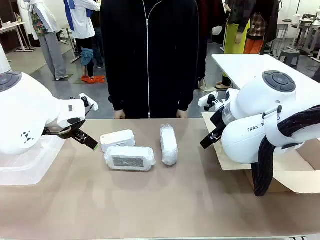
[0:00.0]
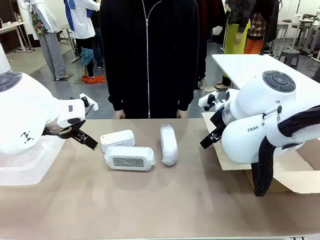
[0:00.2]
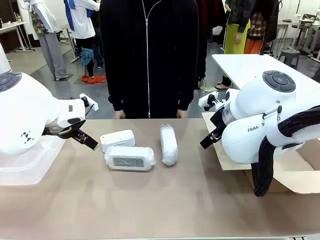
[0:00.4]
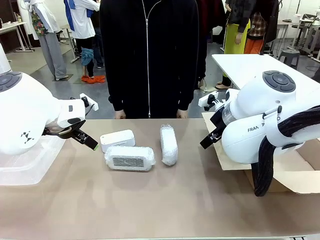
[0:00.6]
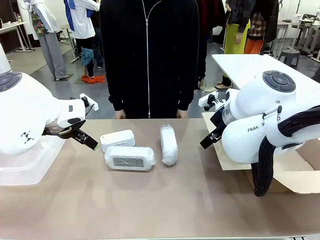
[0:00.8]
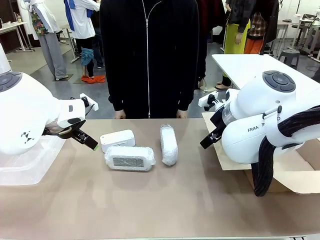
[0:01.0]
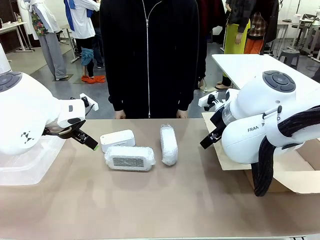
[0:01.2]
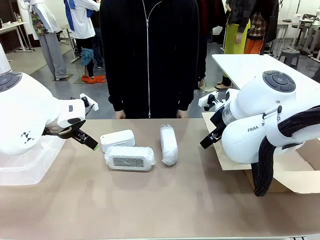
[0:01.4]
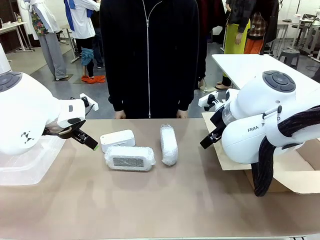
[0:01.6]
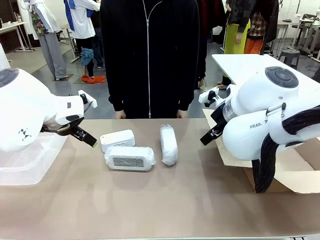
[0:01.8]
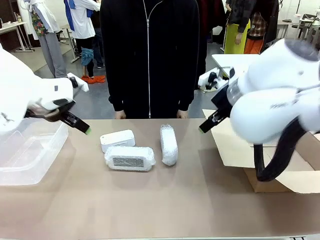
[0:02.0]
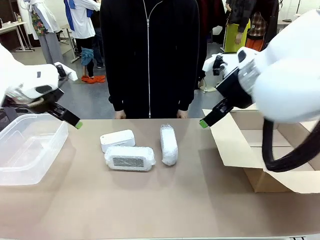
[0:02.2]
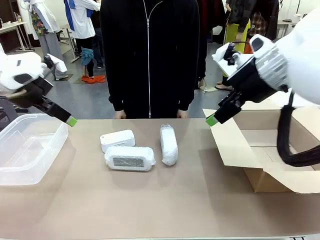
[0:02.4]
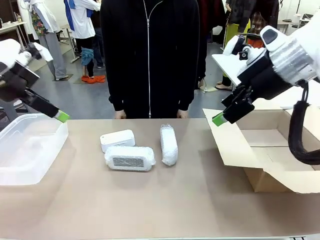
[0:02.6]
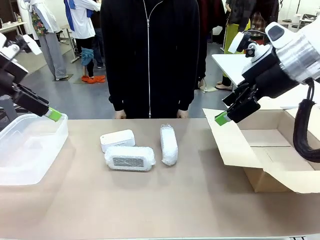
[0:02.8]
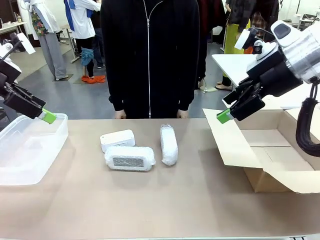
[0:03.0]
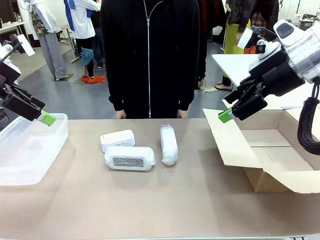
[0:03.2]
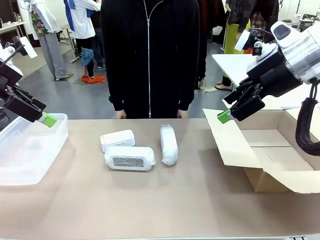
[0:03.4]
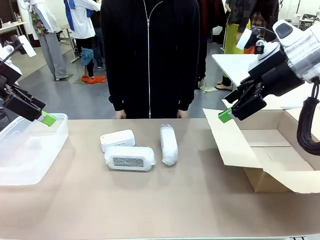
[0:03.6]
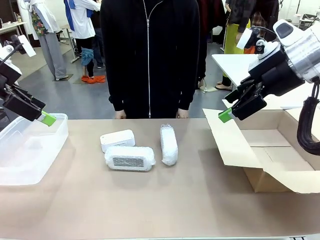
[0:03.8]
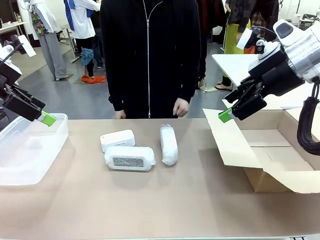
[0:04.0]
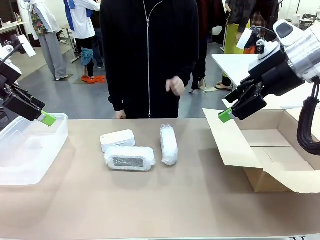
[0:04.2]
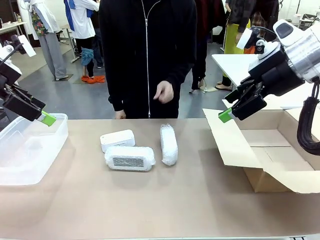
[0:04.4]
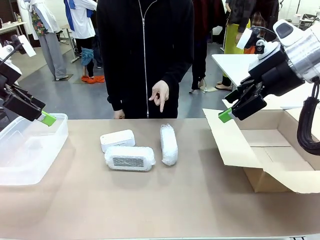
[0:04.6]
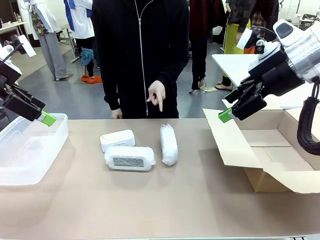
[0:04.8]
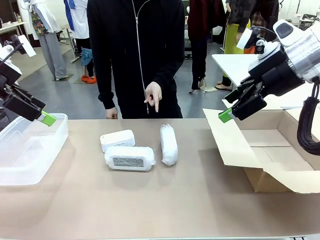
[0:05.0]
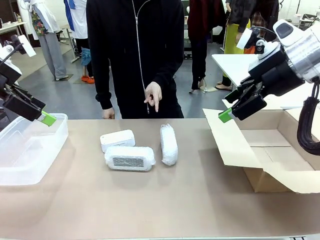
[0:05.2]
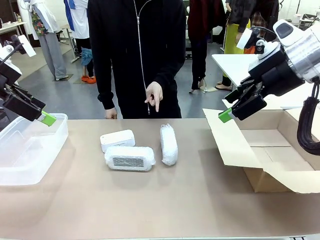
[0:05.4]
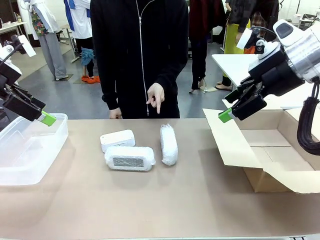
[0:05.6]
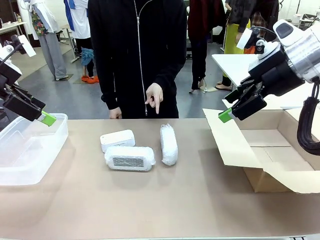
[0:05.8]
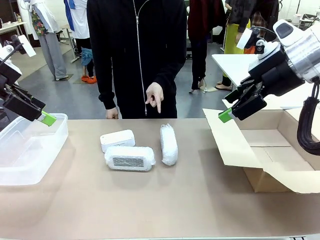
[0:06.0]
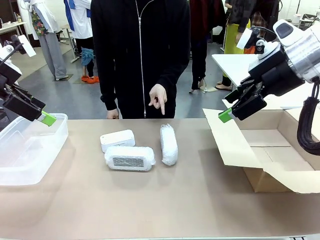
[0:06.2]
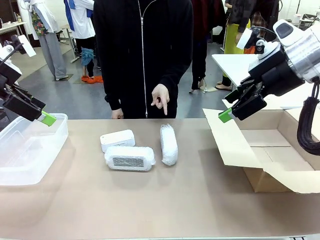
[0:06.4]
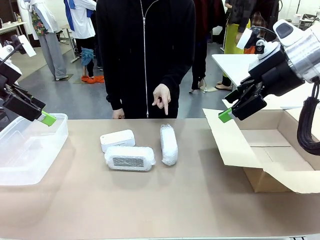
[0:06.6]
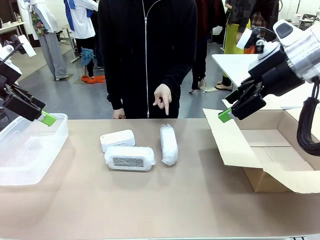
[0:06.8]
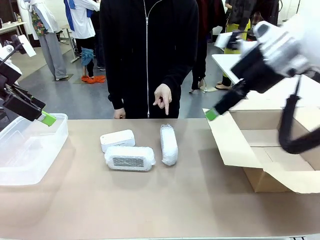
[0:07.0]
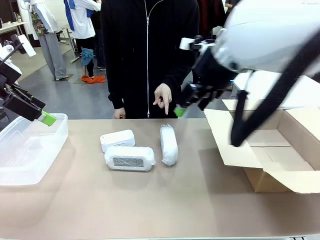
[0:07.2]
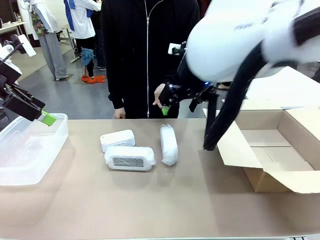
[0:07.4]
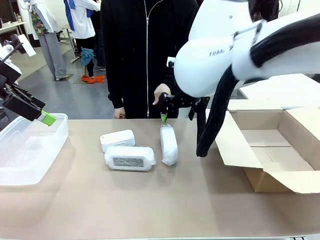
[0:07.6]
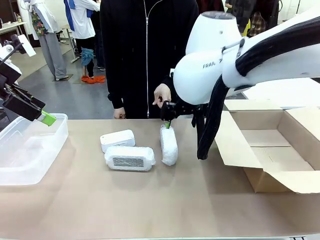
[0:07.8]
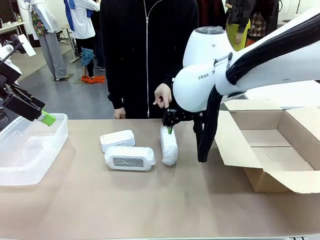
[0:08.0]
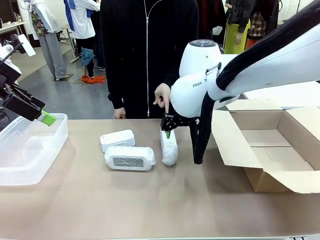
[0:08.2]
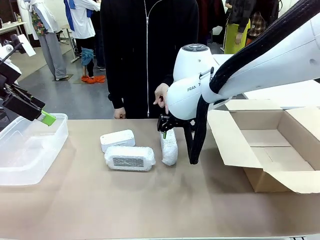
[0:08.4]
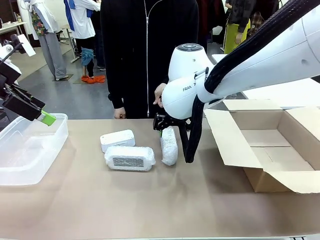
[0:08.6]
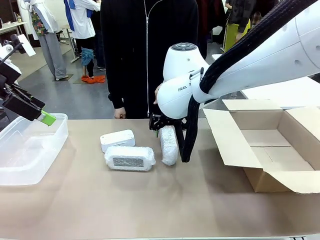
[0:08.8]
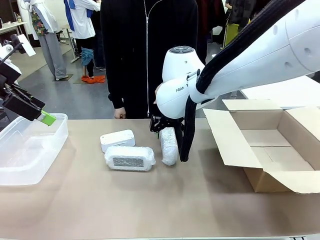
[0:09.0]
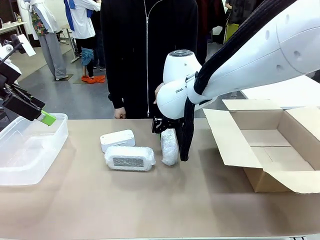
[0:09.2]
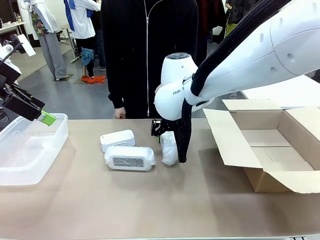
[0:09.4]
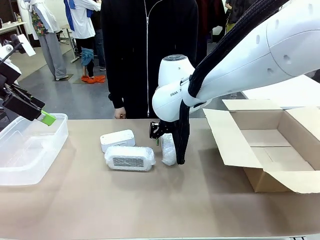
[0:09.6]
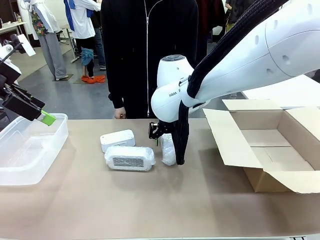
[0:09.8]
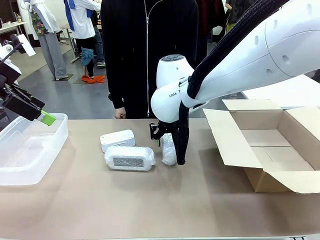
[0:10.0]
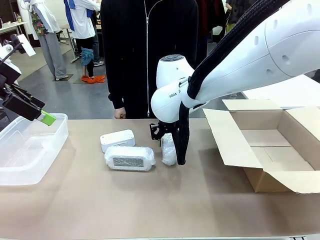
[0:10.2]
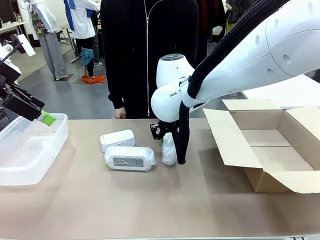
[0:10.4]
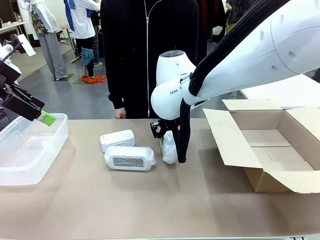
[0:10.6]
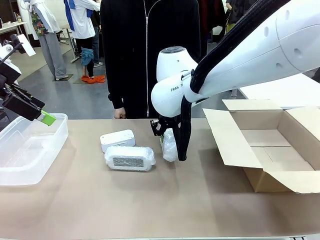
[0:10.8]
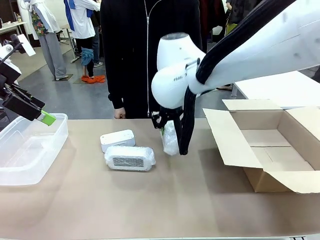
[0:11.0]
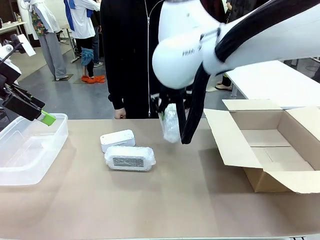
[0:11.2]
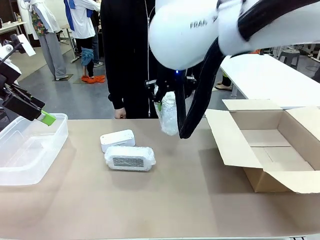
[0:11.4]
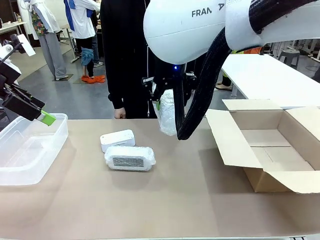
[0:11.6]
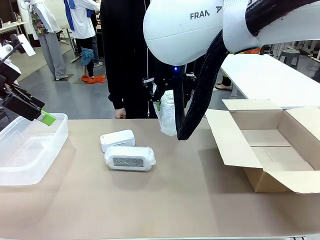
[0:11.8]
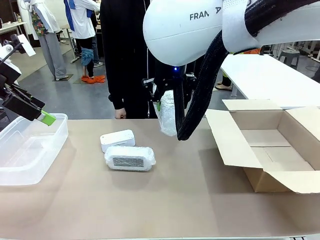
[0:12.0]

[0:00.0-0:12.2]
Task: Separate and place wrapped and unwrapped clocks.
Robot: Pick up the Digital clock indicated by the person.

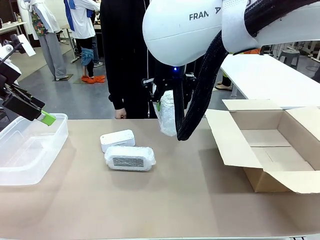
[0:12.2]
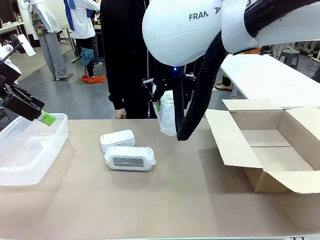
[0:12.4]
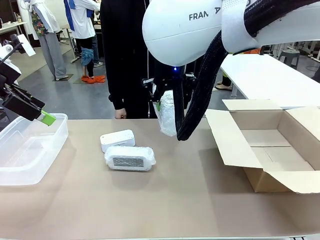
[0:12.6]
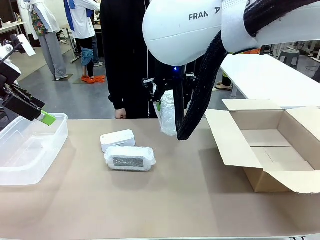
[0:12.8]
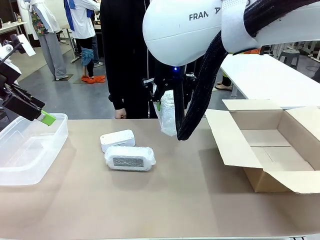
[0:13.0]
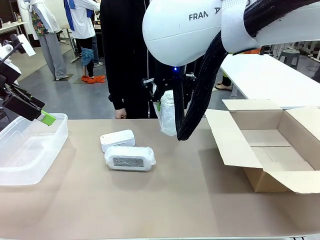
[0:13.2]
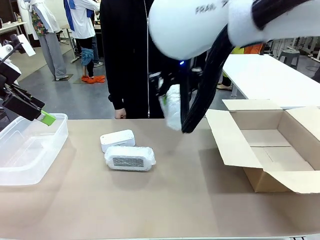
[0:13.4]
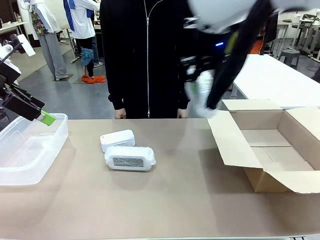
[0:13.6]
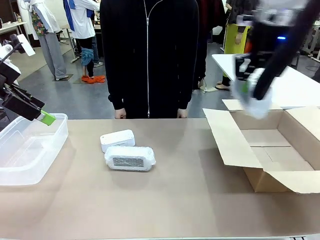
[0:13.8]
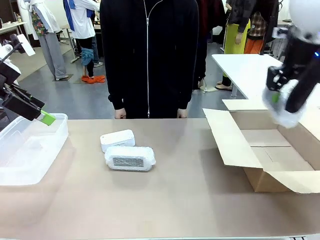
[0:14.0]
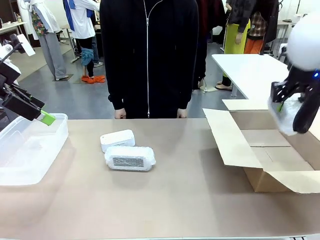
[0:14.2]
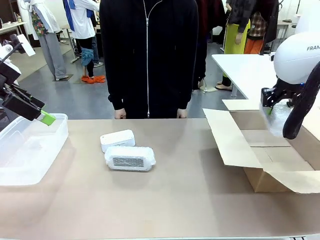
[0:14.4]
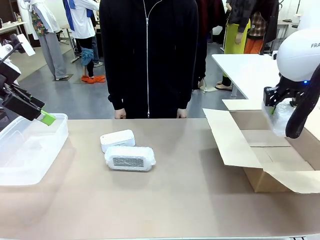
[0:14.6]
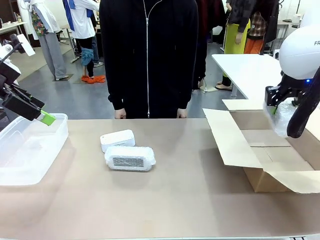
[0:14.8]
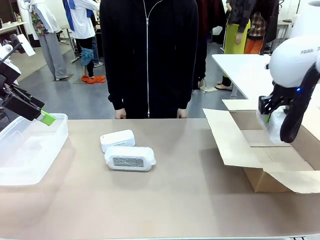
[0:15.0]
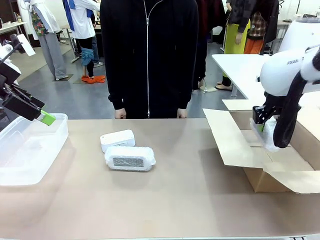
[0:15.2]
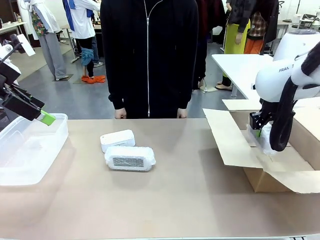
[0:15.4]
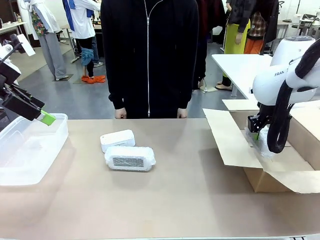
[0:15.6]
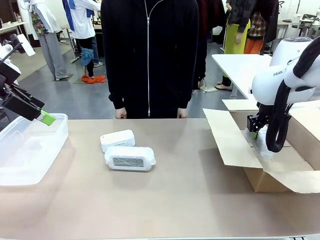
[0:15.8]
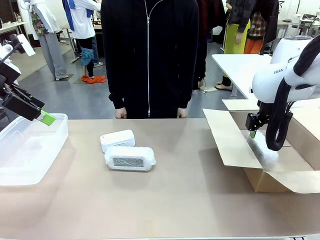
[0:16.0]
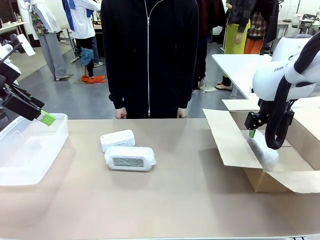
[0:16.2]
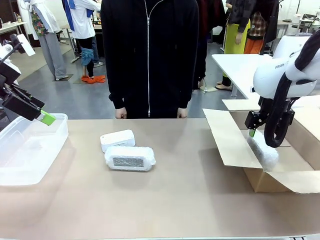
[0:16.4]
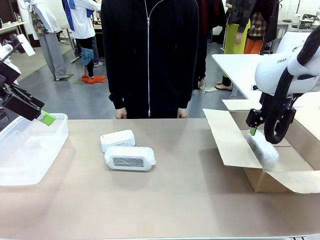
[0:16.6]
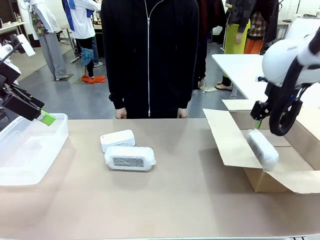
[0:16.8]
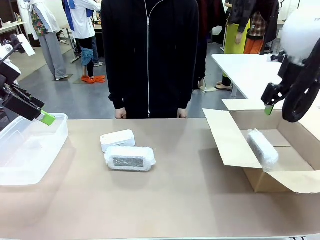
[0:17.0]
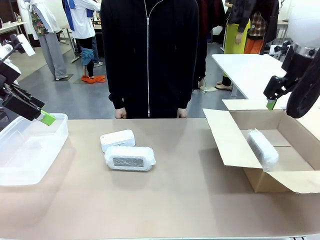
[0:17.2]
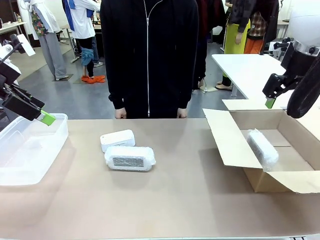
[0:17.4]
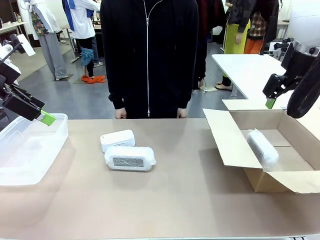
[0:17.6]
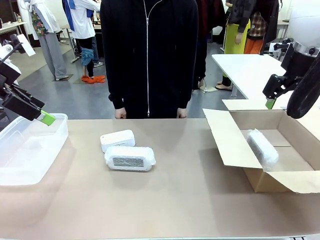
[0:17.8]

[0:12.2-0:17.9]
Robot: If the picked Digital clock is wrapped, place it in the Package Box ; if not, place it in the Organizing box.
